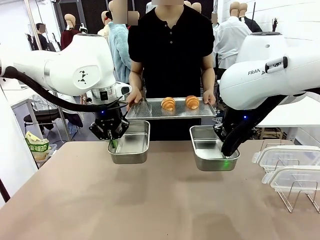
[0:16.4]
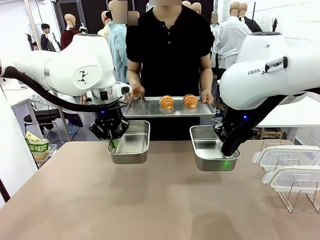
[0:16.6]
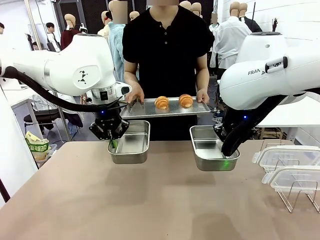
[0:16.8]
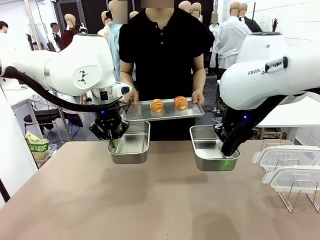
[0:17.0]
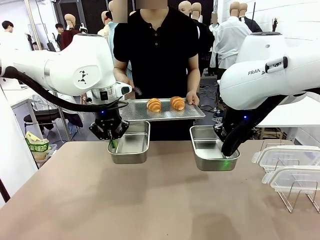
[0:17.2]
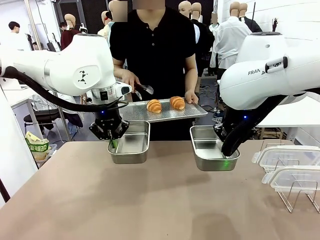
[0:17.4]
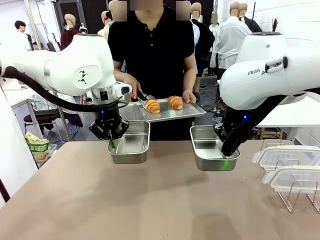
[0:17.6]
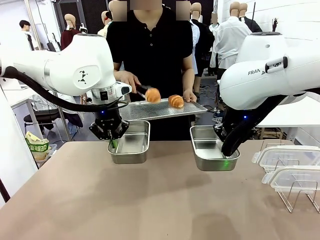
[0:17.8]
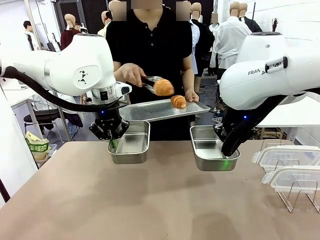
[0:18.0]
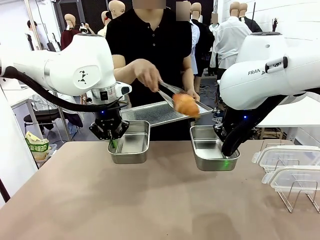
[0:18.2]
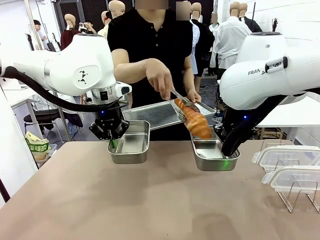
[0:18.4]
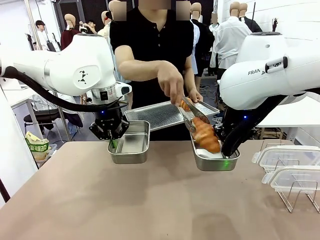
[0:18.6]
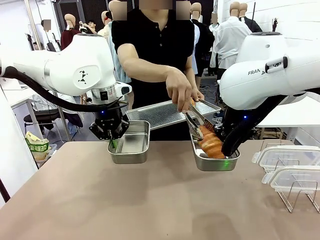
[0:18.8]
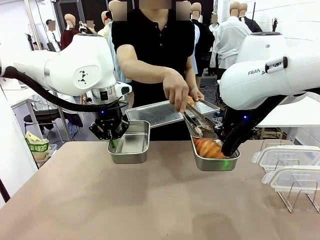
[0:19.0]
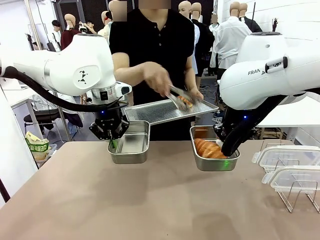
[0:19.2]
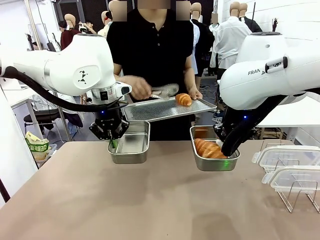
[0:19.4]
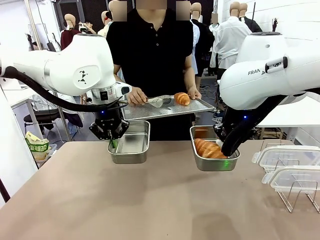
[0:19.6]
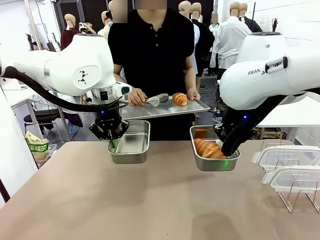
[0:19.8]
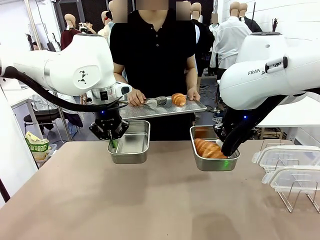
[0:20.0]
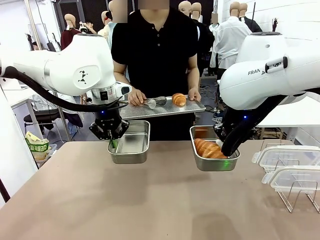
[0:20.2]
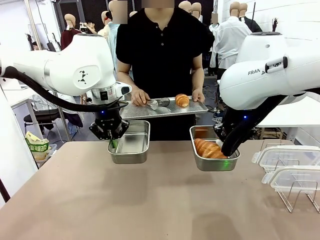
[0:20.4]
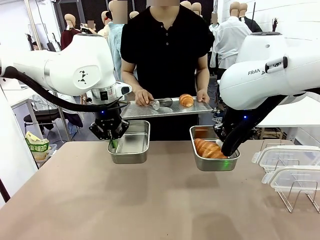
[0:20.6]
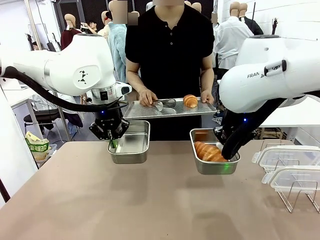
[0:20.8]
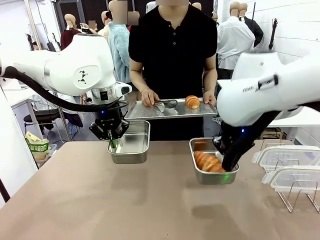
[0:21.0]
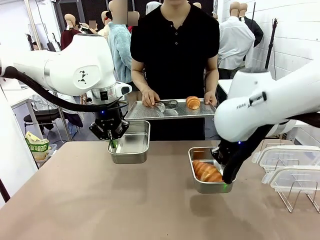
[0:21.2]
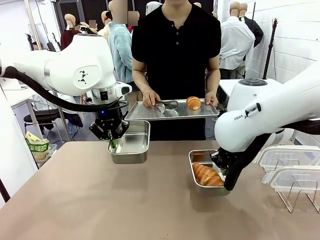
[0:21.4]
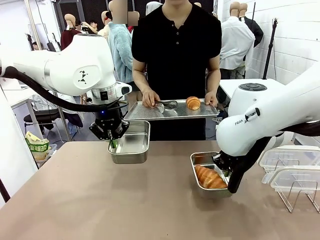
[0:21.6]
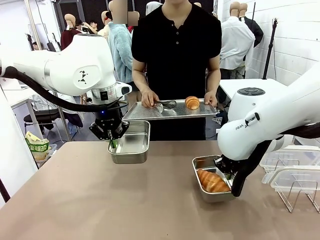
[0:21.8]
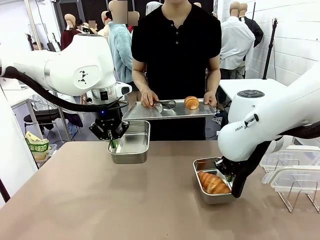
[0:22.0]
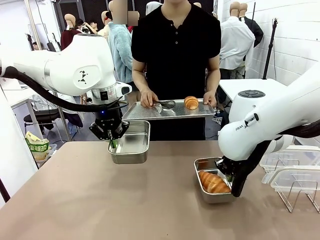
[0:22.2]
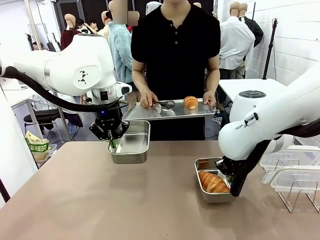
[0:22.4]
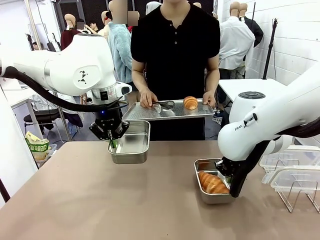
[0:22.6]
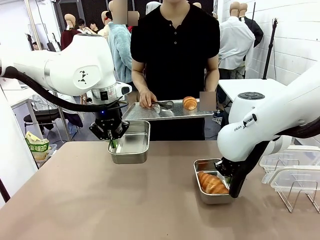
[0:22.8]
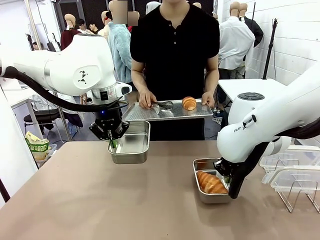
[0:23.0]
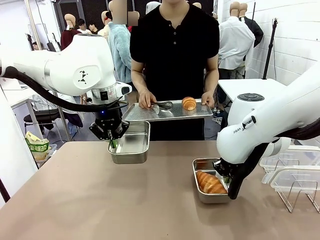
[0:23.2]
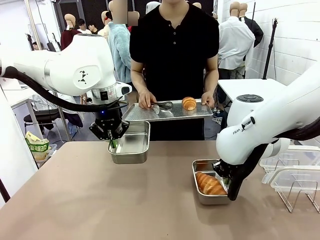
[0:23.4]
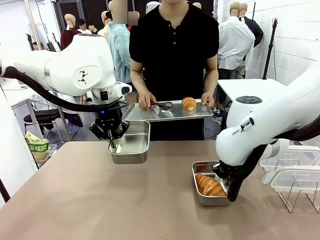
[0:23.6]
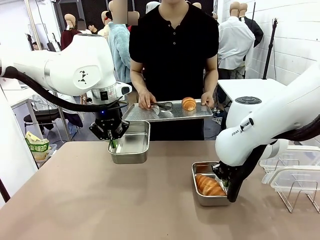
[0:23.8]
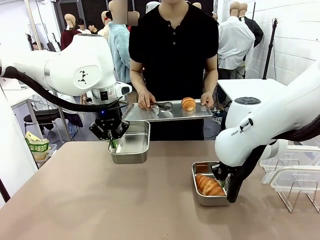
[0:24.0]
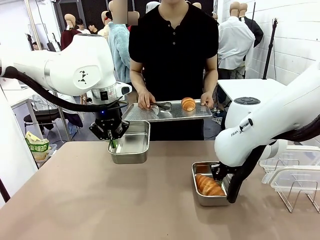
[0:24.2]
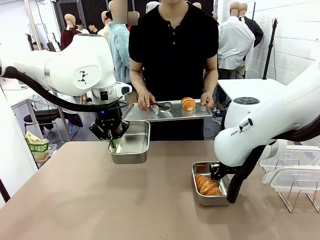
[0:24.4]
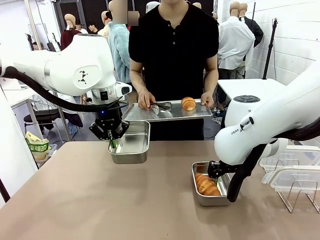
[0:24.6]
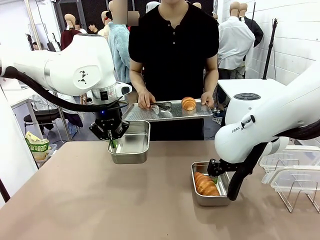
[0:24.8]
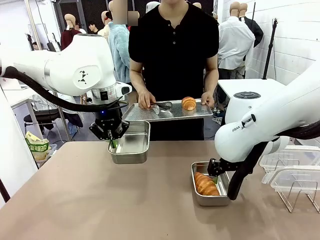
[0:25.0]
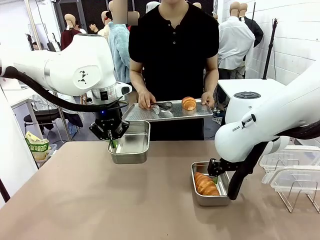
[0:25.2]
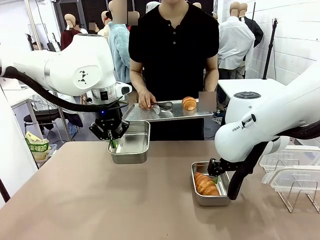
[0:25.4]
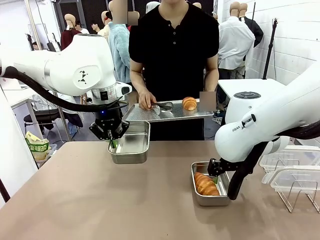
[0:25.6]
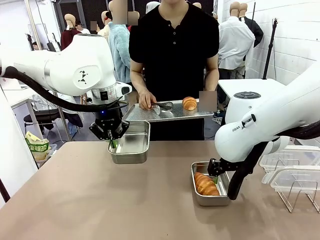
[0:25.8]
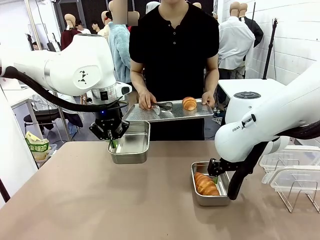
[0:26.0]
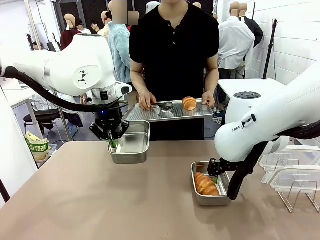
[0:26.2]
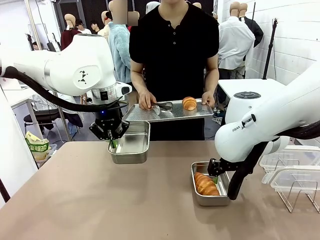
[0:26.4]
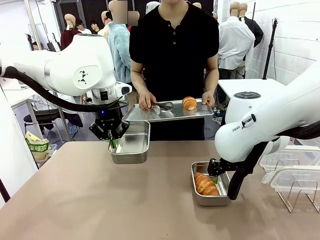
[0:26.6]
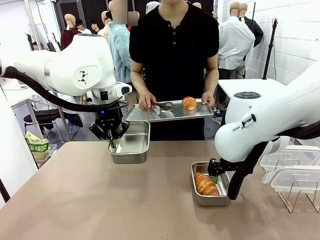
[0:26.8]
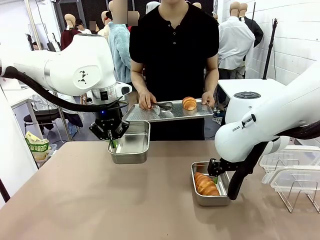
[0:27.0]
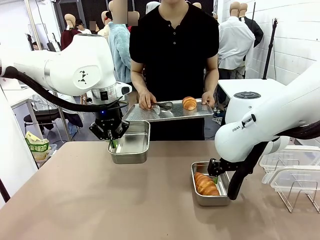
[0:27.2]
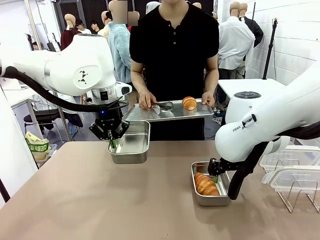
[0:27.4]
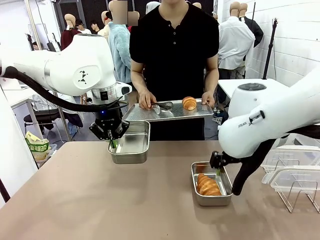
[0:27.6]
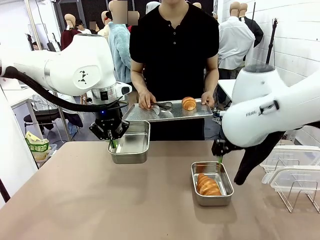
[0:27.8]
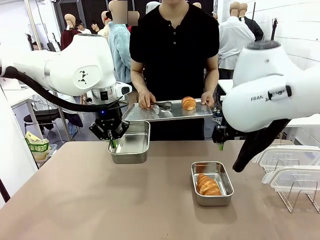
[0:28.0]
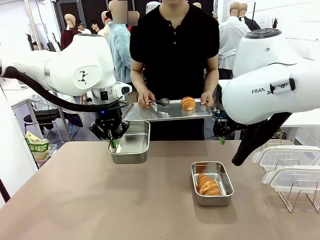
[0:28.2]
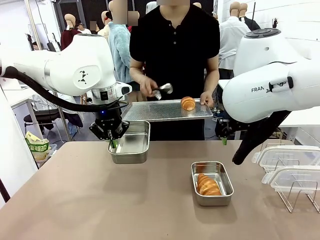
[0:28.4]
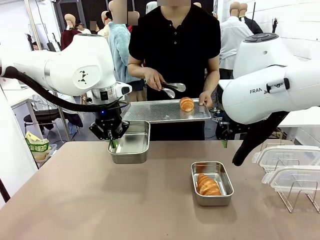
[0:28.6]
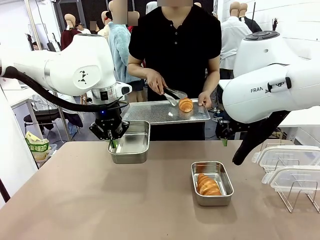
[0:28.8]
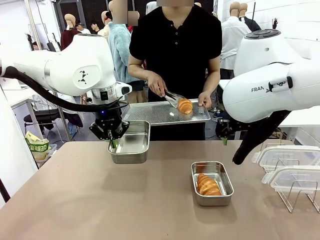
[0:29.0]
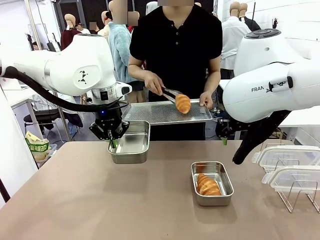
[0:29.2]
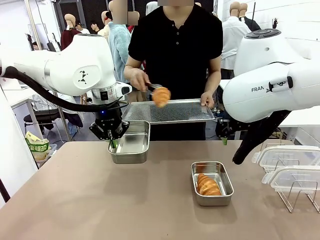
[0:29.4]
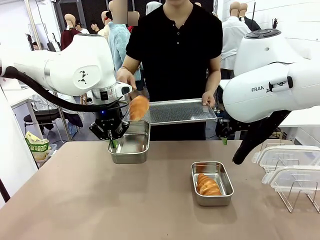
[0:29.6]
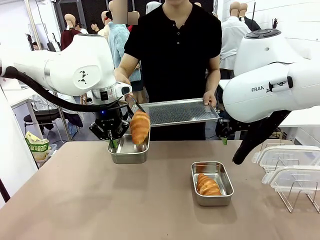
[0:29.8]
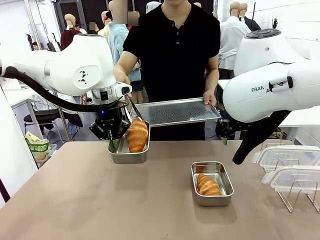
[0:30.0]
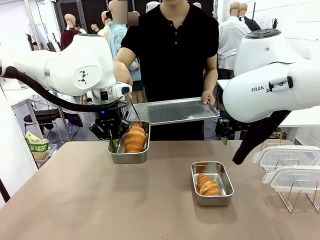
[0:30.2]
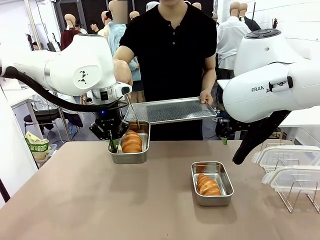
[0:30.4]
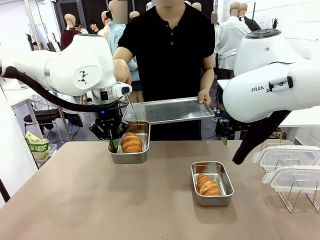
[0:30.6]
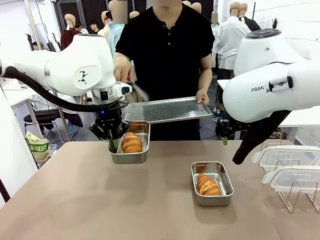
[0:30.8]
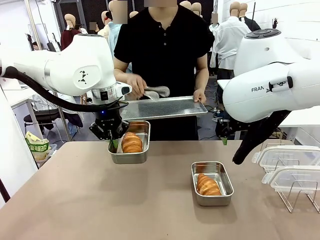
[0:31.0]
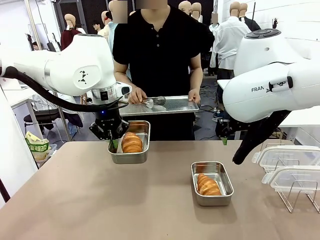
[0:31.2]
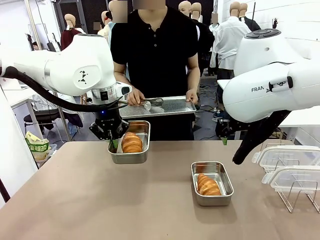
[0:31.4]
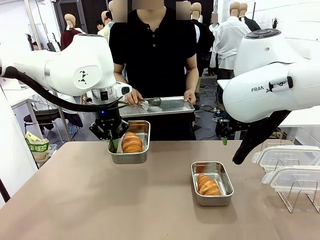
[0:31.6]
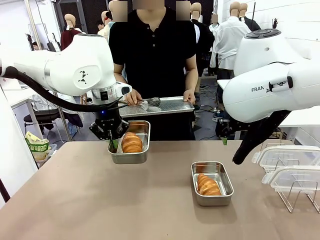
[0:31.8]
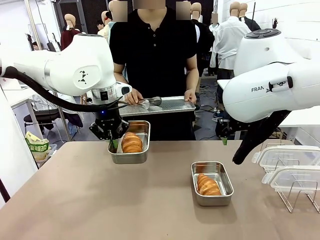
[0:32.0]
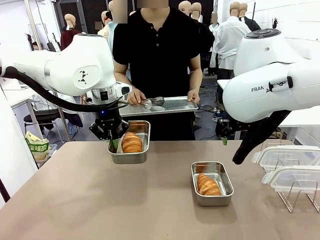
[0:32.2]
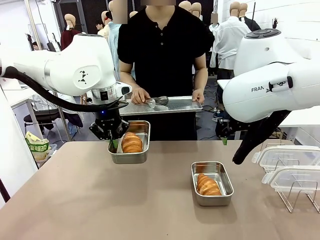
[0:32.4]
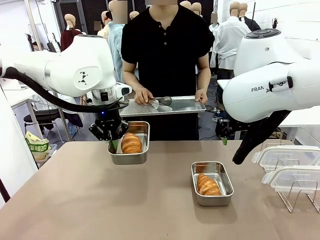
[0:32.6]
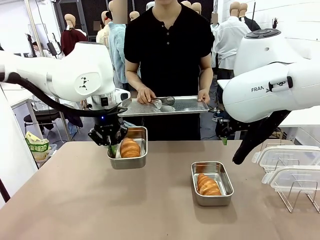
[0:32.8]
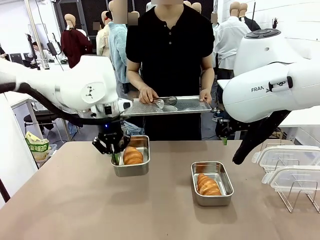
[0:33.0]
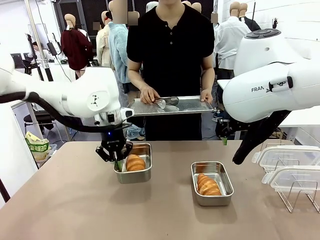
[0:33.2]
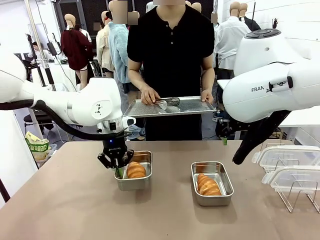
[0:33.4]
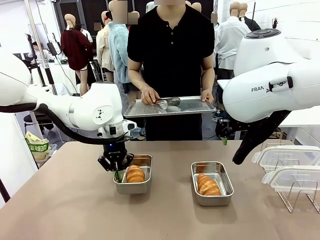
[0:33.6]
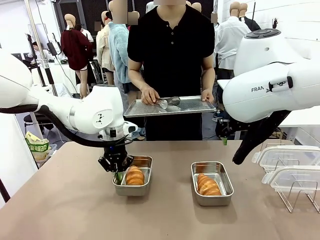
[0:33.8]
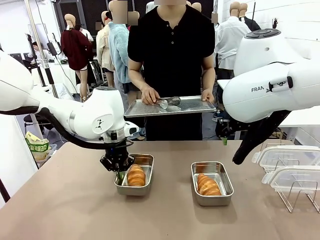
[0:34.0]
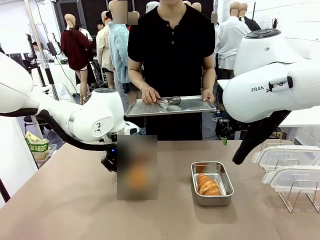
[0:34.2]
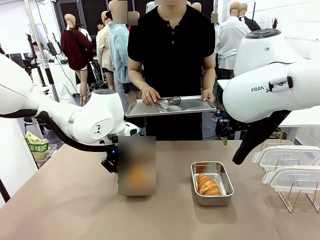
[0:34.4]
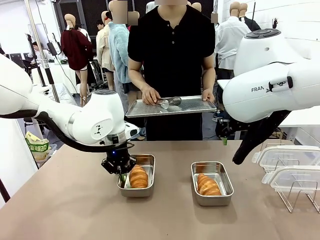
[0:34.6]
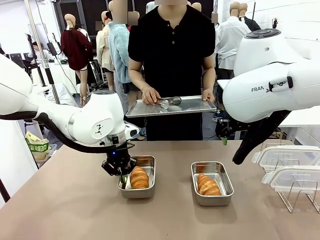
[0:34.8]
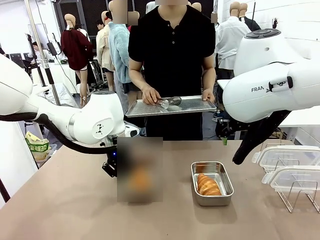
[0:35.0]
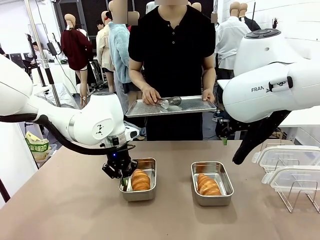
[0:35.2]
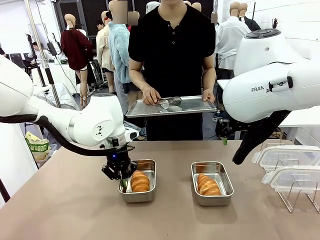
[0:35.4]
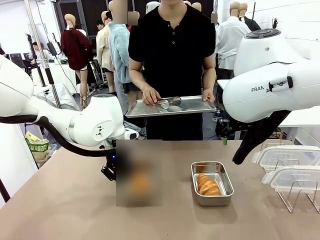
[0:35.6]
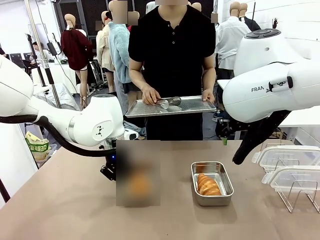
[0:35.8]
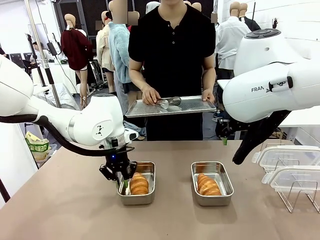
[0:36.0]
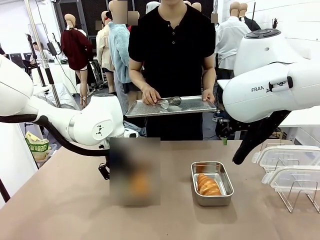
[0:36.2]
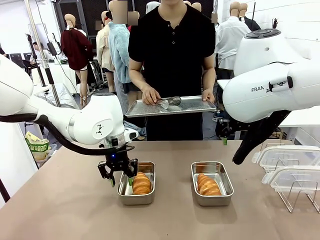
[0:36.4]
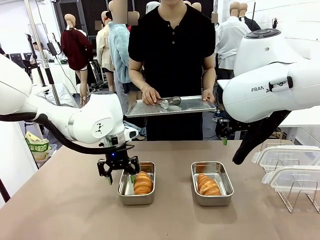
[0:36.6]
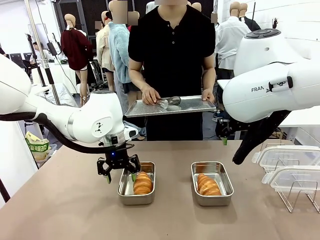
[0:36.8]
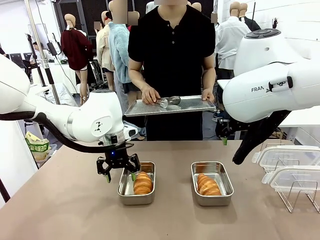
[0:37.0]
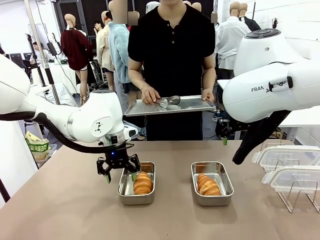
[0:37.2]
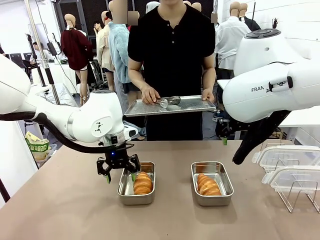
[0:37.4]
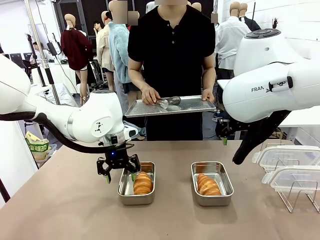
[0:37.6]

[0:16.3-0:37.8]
Task: Place the bread in airtight containers.
Robot: Once an object is inside an Airtight Container , place the container in the center of the table.
Person: Use the Stainless steel tongs to place one object from Baking Sheet into one Airtight Container. Place Baking Sheet on the Human's Table.
